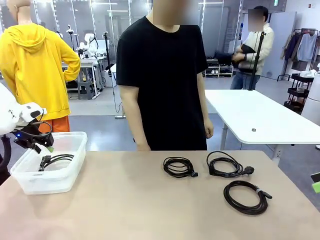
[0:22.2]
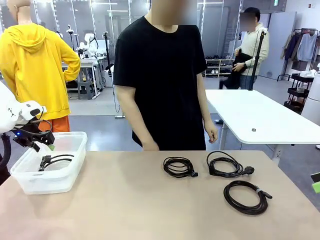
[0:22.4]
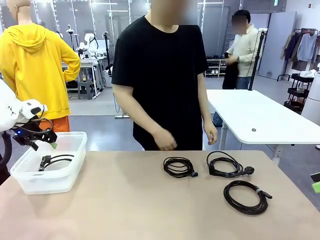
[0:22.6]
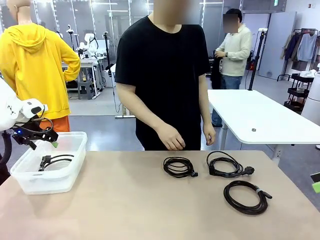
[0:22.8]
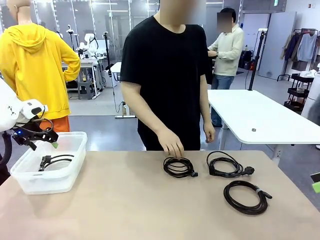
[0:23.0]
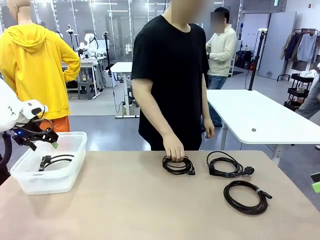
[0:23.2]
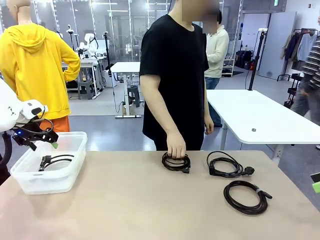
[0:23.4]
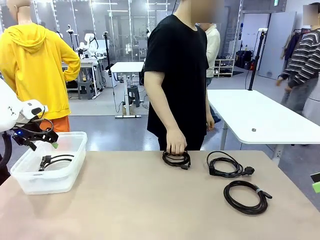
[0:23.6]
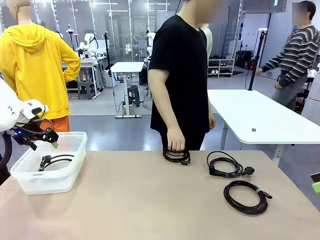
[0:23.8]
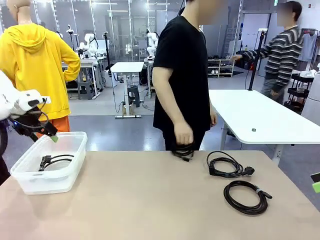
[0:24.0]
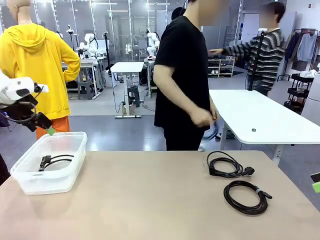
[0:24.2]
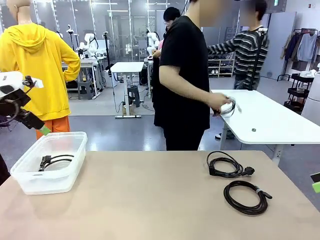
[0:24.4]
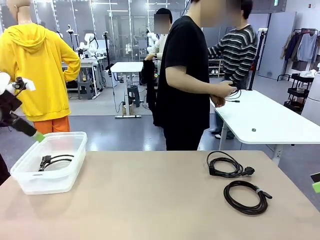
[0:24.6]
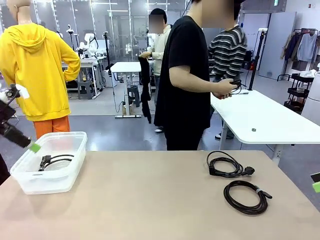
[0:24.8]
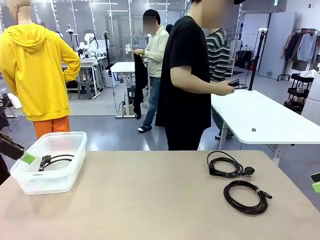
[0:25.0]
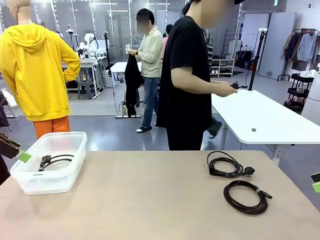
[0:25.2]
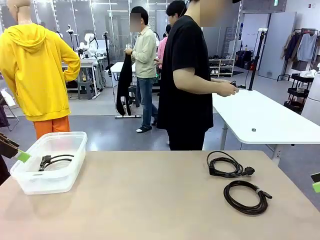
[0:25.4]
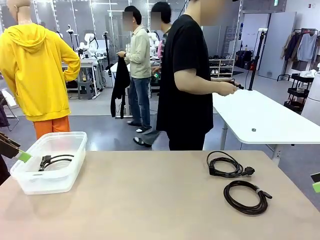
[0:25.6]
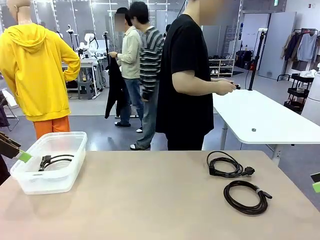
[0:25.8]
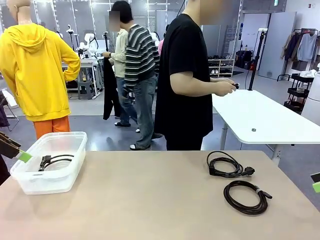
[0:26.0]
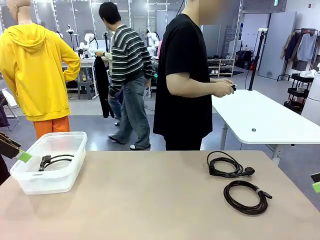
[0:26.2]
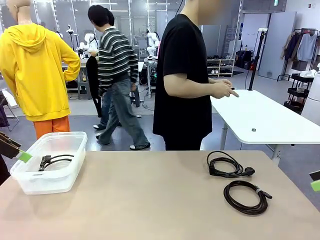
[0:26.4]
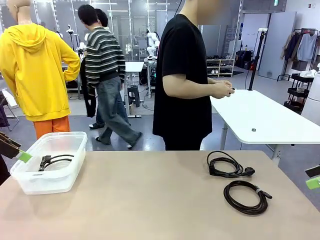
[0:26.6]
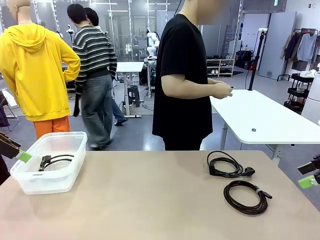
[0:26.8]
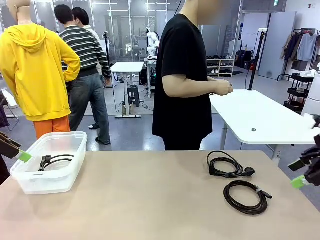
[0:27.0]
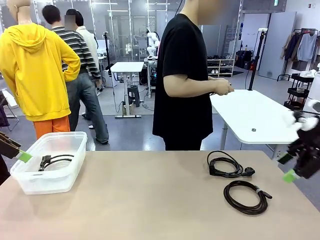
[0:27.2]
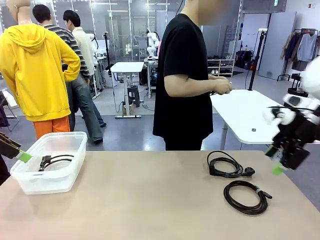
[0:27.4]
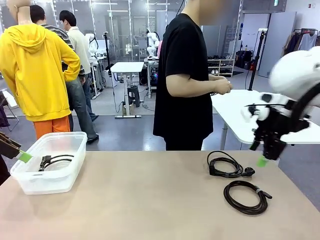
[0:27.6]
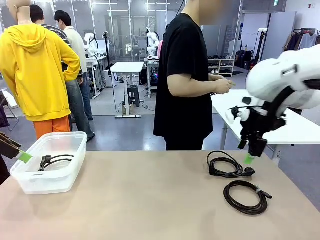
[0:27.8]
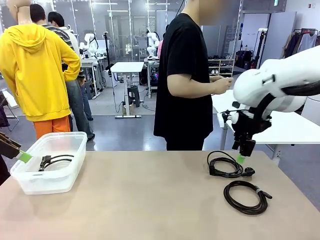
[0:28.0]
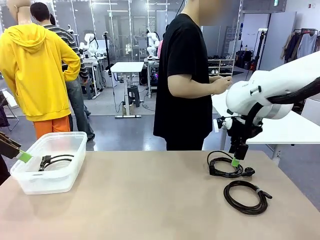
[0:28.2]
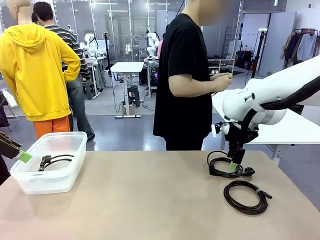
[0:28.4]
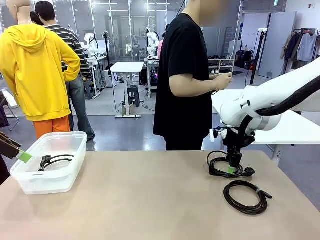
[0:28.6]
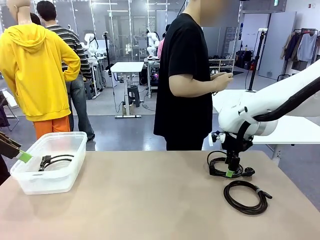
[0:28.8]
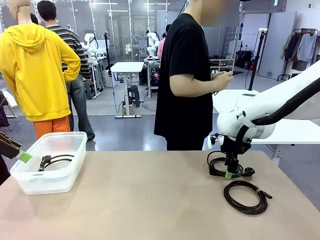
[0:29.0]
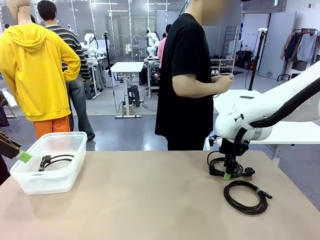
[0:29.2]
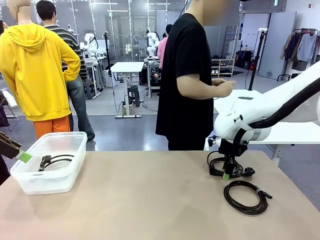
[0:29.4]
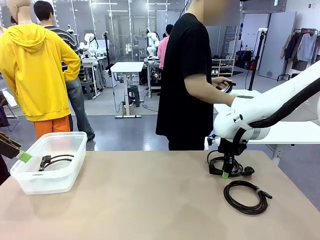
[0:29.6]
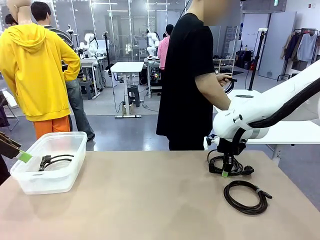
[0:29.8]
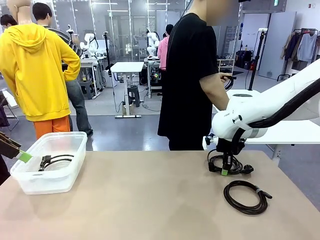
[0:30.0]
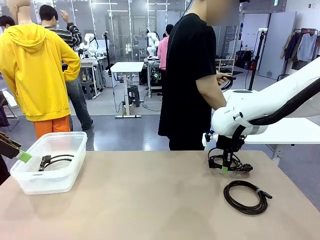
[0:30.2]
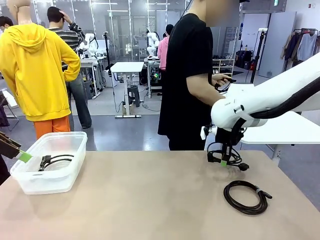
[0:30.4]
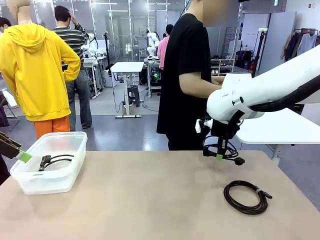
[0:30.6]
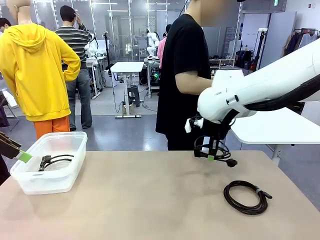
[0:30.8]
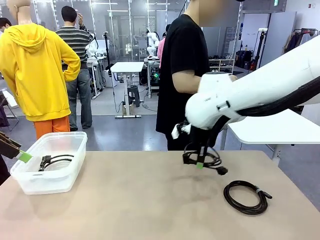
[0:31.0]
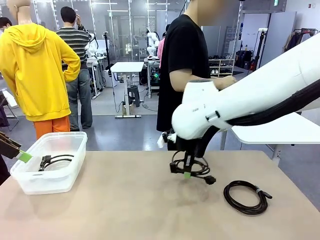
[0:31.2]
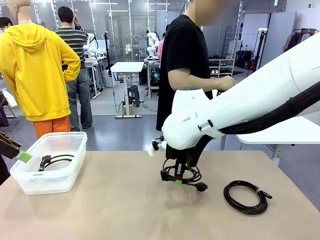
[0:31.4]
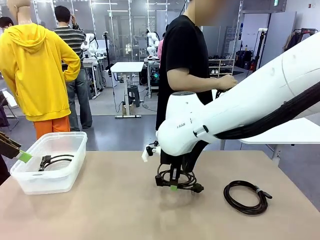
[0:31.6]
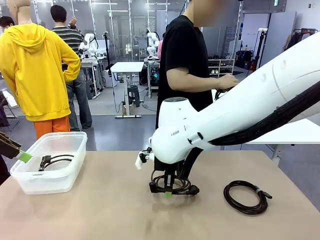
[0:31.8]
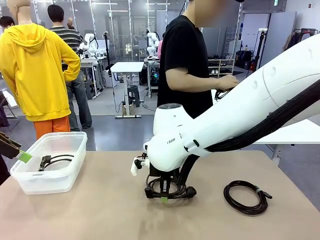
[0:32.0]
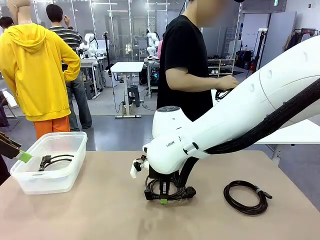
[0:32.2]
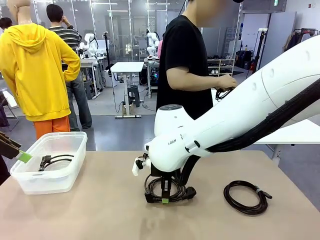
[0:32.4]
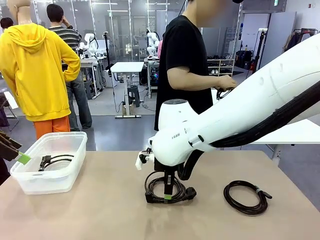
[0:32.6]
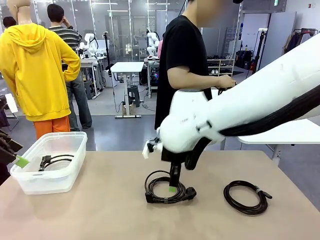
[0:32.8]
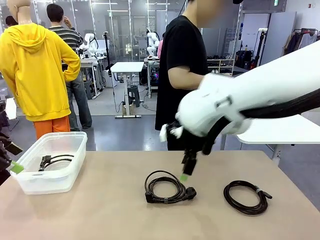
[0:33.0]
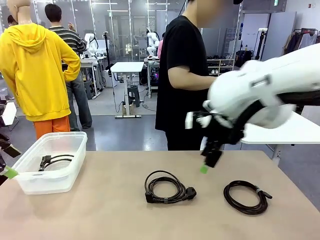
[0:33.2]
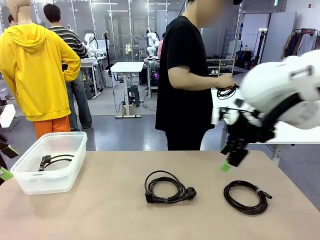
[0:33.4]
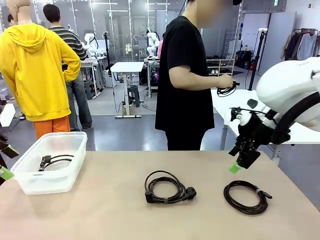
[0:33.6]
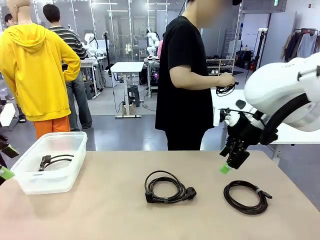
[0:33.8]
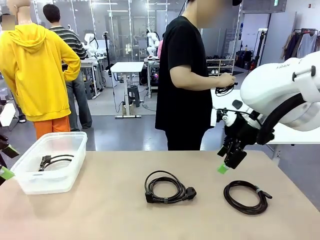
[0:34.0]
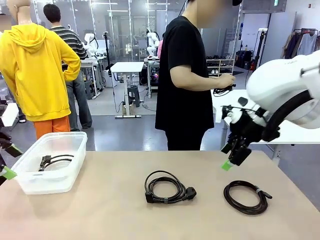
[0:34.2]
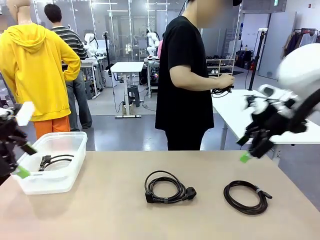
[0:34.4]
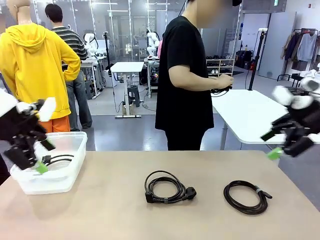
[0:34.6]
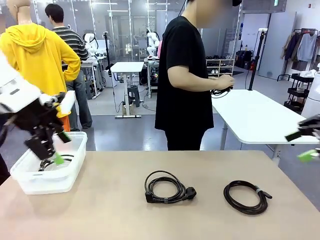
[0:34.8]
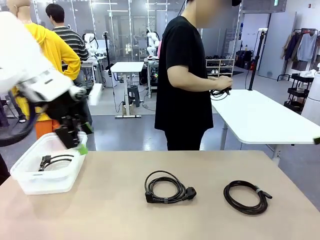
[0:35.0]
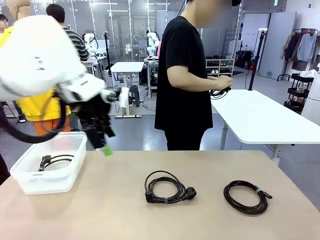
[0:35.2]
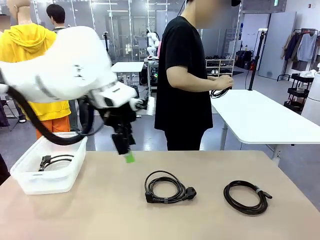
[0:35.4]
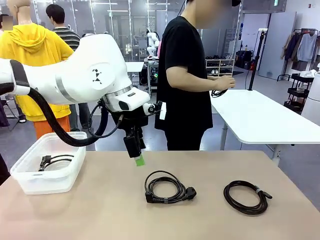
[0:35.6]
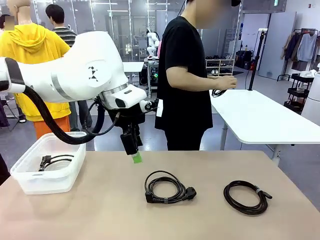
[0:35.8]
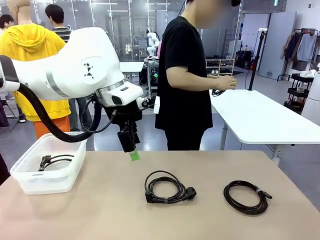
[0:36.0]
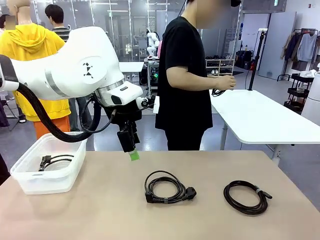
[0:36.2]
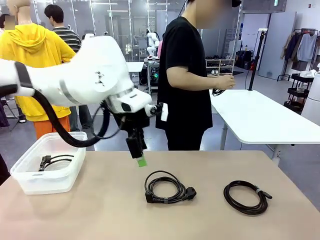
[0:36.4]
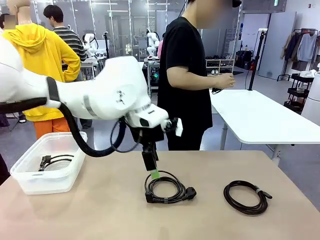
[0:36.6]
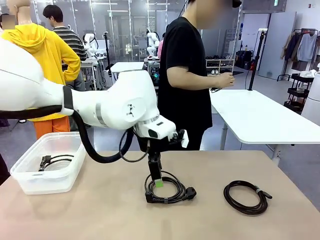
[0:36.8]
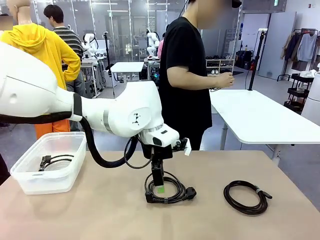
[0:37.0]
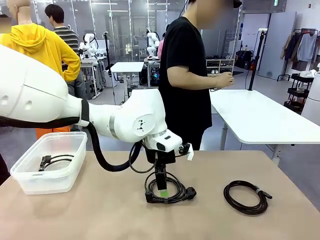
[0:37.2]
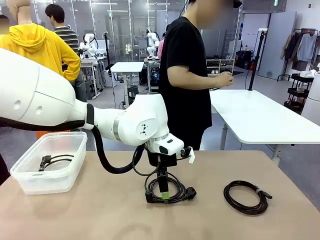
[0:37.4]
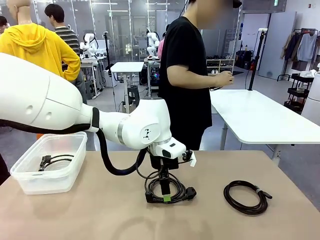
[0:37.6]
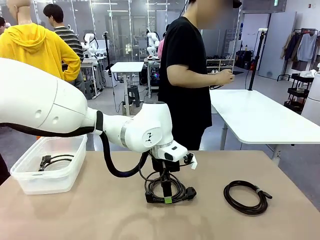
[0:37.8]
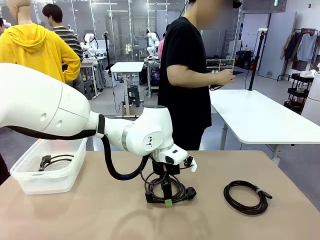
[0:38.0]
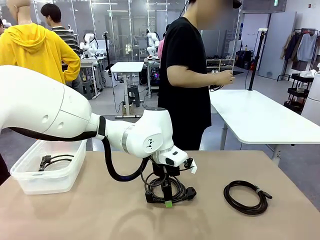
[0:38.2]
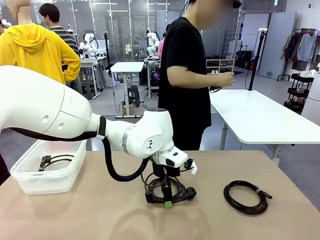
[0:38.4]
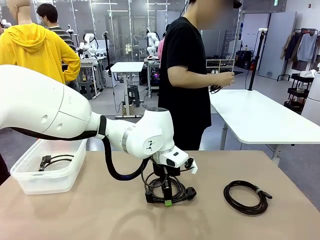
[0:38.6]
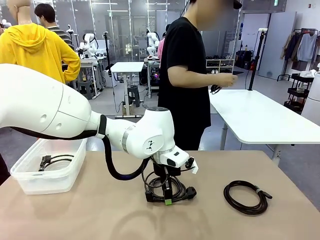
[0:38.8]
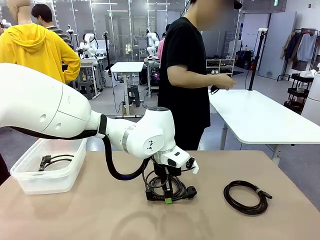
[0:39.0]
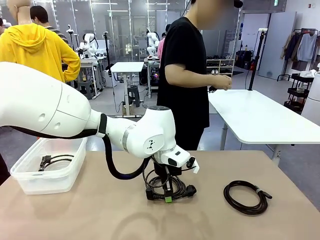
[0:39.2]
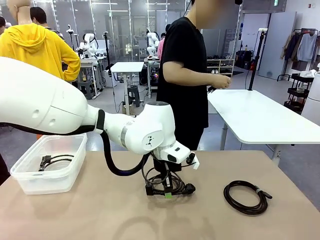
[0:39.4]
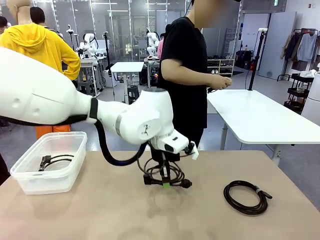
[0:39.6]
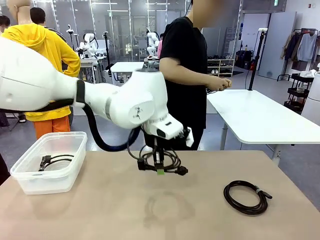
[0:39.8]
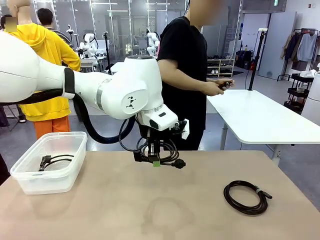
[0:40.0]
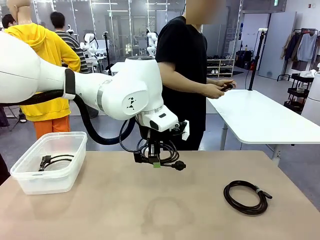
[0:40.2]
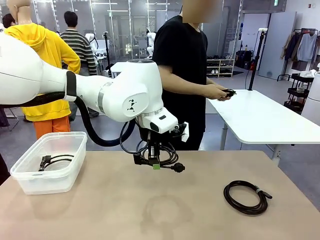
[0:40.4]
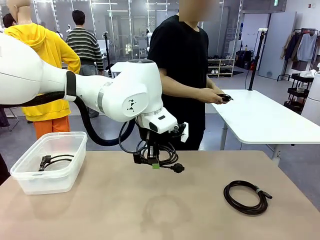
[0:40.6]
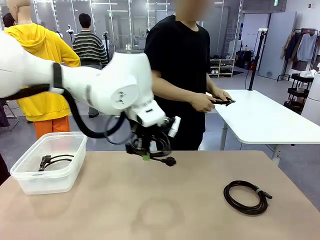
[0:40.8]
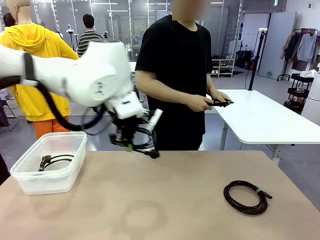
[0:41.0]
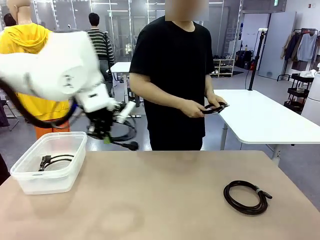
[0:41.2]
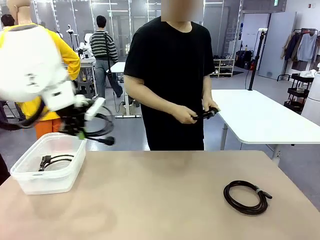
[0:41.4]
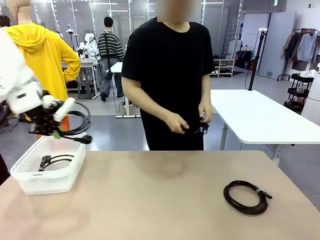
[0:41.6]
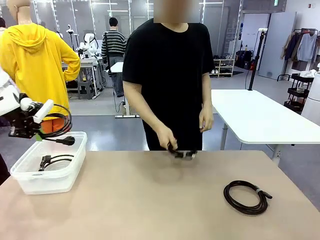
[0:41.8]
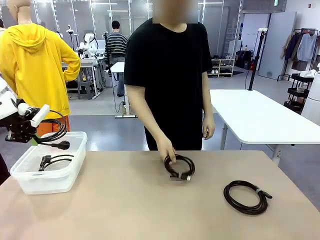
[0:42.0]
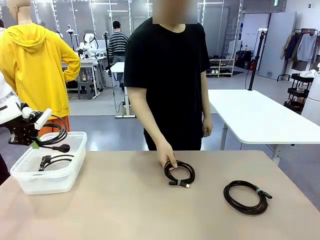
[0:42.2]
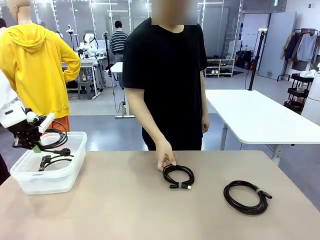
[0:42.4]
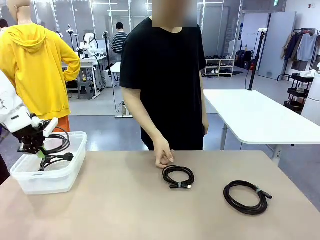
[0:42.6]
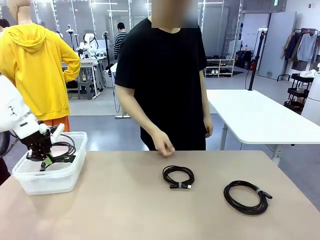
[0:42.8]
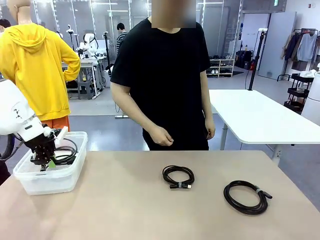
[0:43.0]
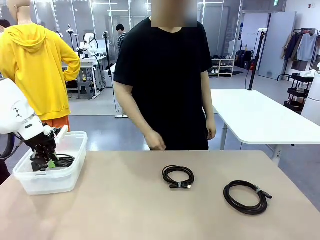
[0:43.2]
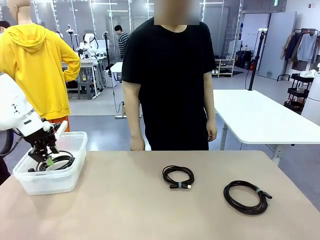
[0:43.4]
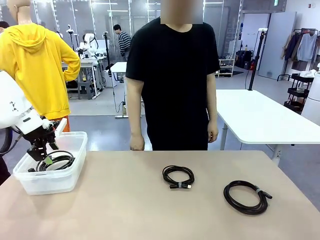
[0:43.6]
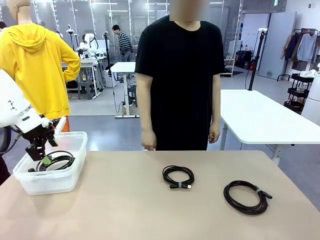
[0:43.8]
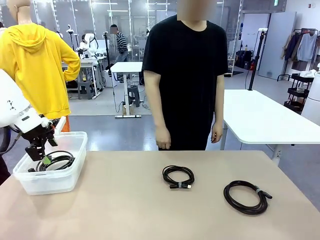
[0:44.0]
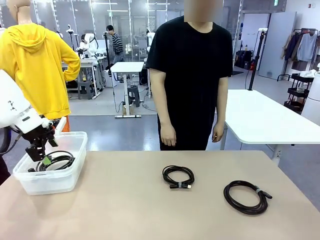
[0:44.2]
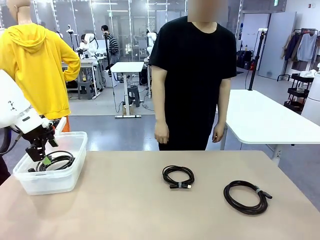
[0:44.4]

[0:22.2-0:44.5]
Task: Organize and store the cables.
Robot: Place the Power Cable into the Organizing box.
